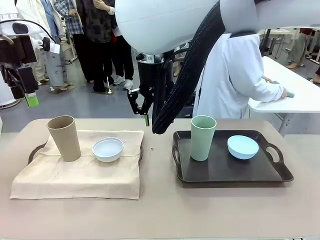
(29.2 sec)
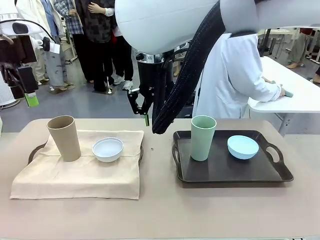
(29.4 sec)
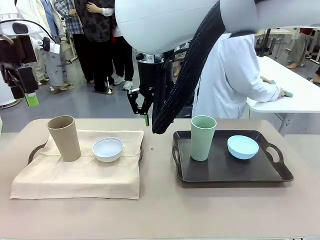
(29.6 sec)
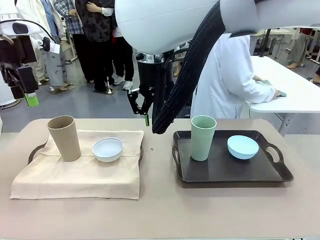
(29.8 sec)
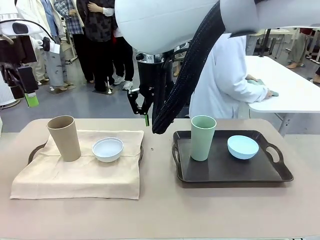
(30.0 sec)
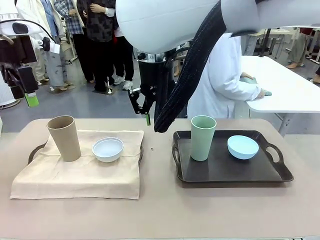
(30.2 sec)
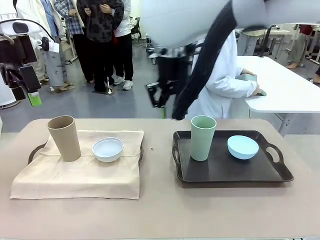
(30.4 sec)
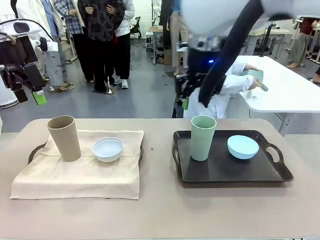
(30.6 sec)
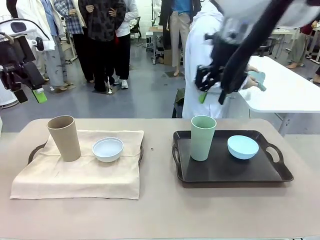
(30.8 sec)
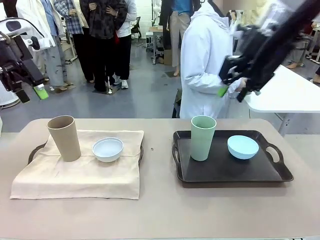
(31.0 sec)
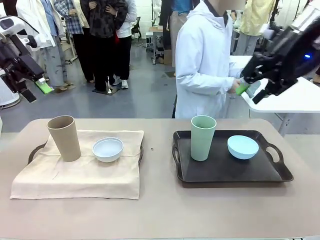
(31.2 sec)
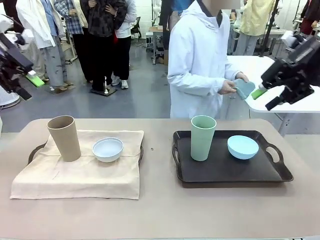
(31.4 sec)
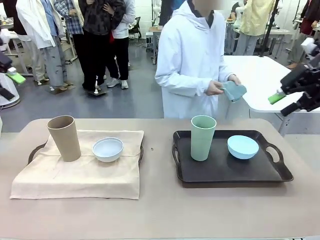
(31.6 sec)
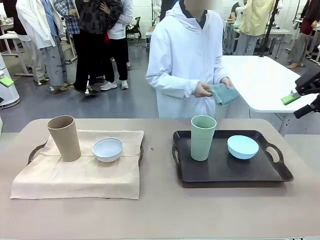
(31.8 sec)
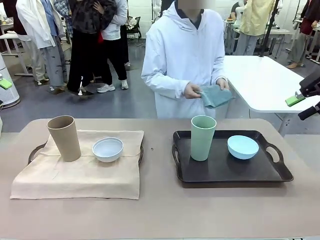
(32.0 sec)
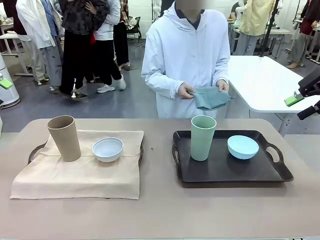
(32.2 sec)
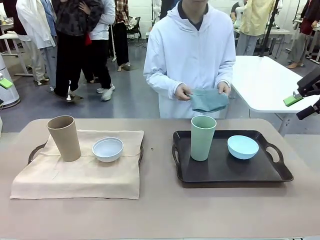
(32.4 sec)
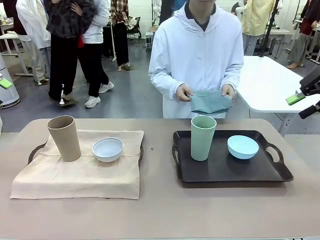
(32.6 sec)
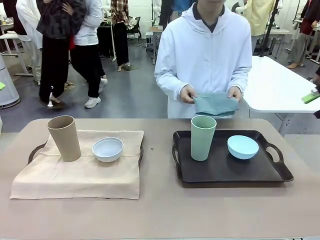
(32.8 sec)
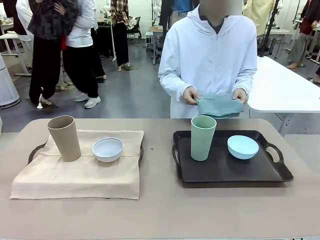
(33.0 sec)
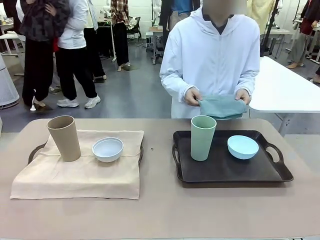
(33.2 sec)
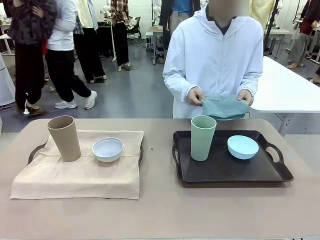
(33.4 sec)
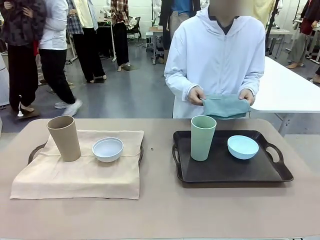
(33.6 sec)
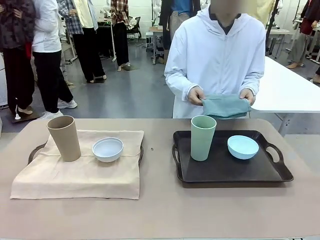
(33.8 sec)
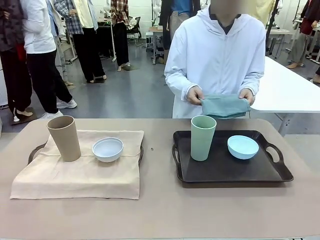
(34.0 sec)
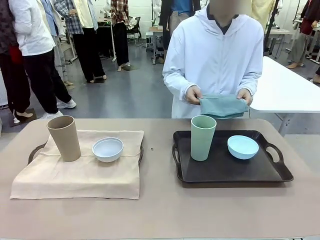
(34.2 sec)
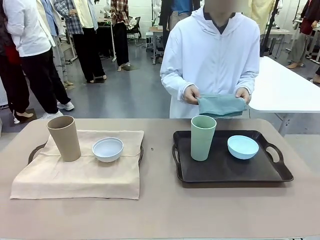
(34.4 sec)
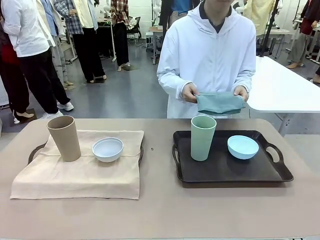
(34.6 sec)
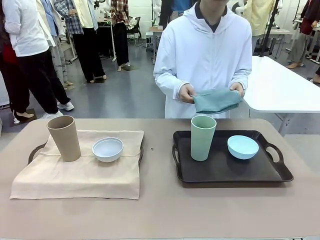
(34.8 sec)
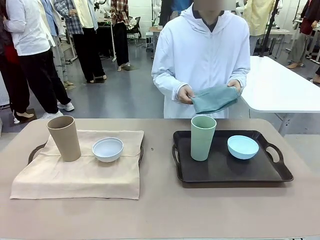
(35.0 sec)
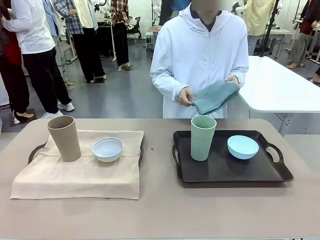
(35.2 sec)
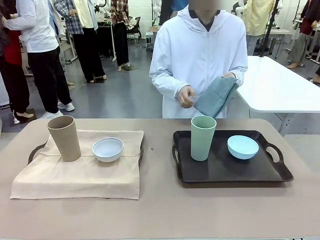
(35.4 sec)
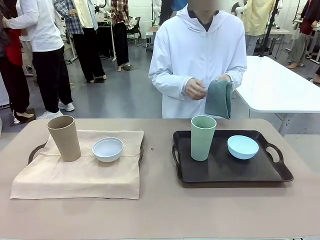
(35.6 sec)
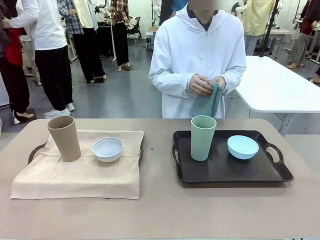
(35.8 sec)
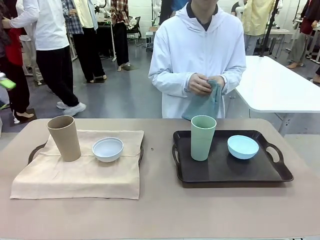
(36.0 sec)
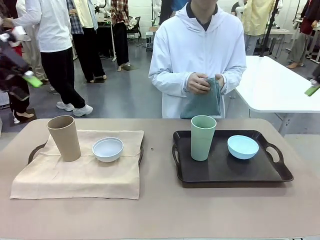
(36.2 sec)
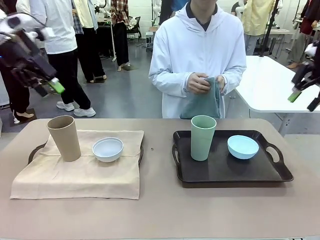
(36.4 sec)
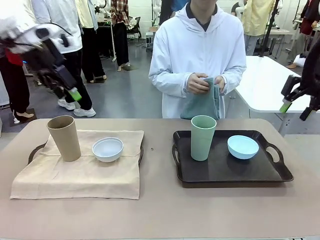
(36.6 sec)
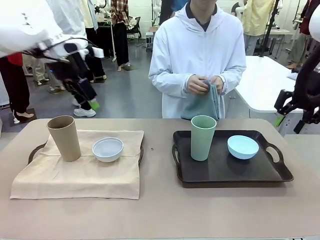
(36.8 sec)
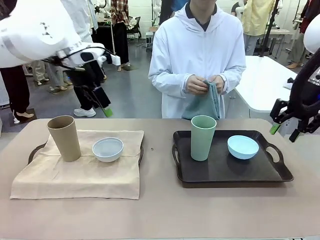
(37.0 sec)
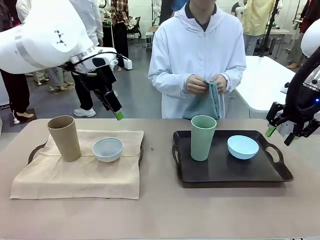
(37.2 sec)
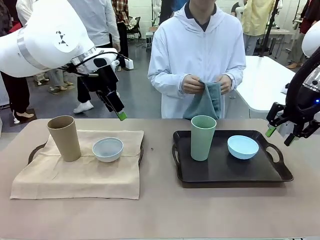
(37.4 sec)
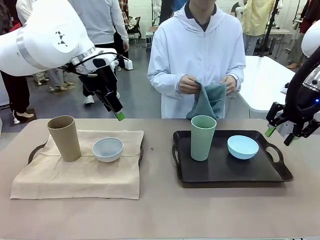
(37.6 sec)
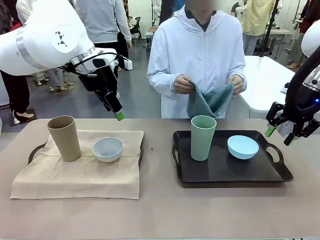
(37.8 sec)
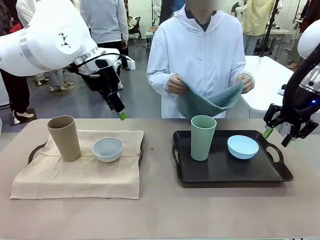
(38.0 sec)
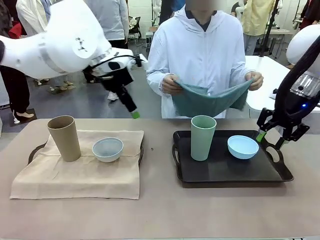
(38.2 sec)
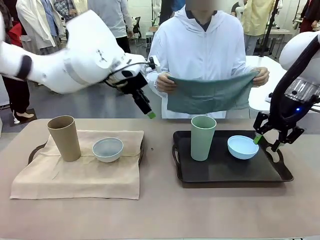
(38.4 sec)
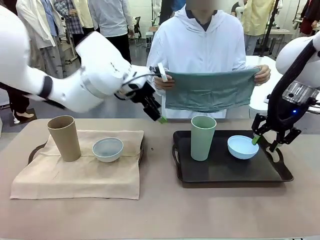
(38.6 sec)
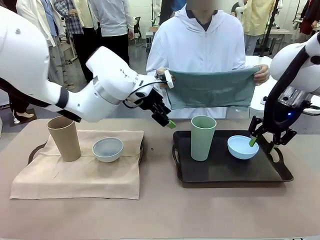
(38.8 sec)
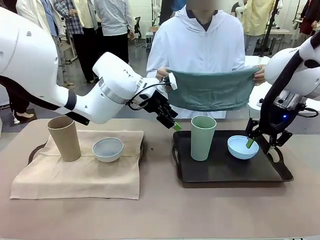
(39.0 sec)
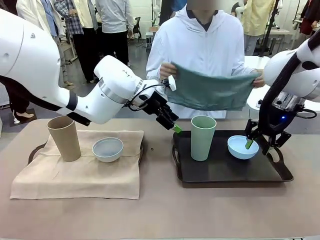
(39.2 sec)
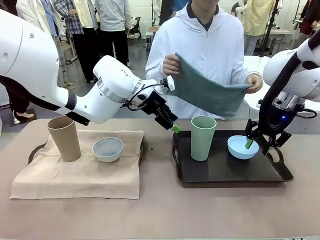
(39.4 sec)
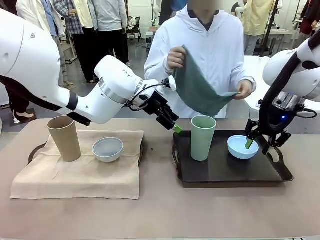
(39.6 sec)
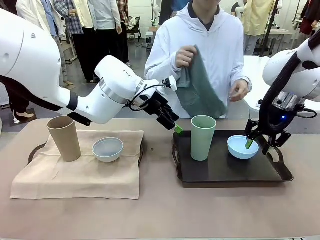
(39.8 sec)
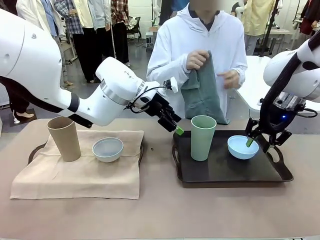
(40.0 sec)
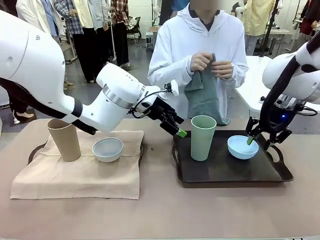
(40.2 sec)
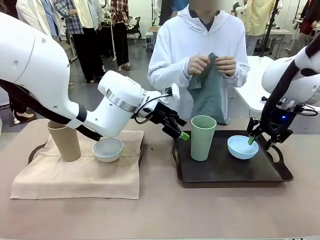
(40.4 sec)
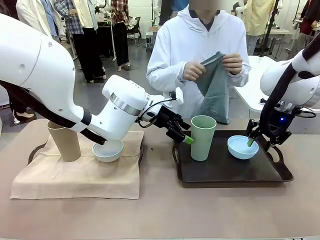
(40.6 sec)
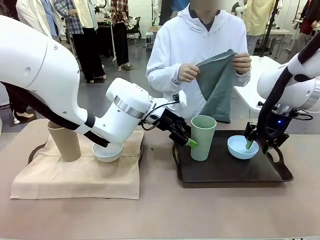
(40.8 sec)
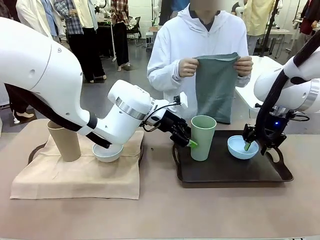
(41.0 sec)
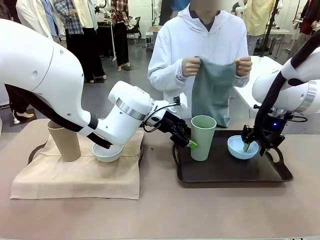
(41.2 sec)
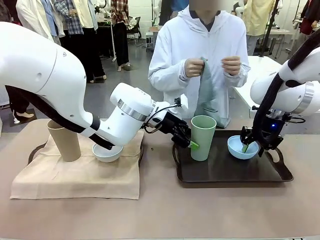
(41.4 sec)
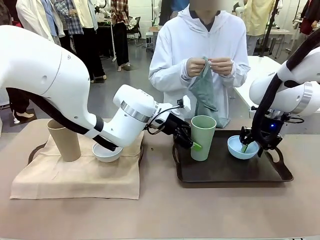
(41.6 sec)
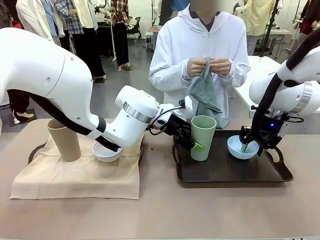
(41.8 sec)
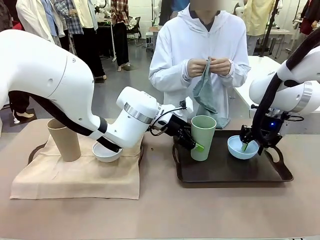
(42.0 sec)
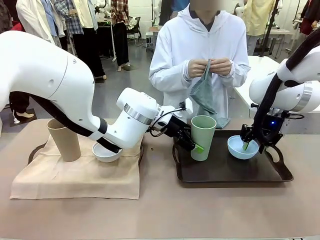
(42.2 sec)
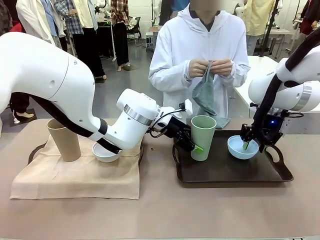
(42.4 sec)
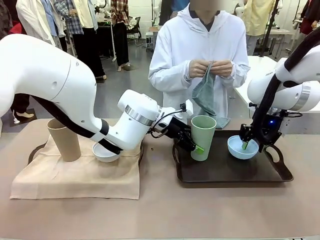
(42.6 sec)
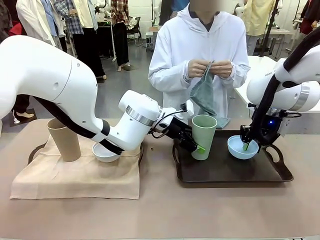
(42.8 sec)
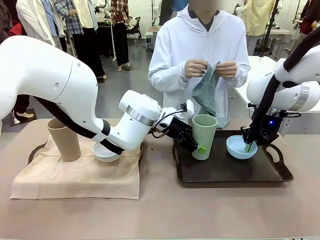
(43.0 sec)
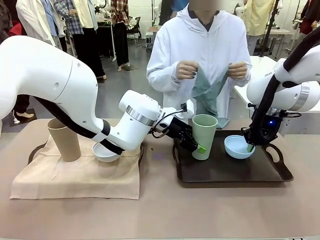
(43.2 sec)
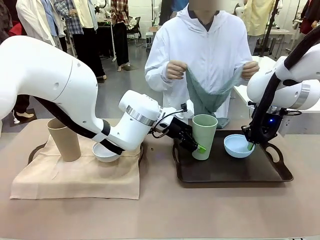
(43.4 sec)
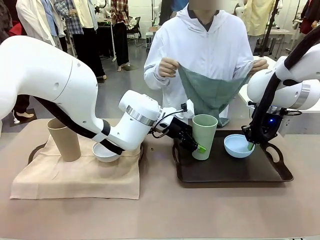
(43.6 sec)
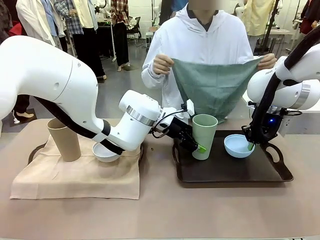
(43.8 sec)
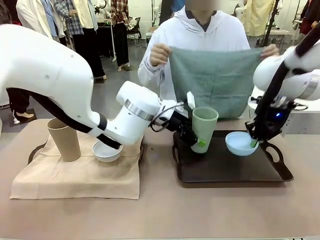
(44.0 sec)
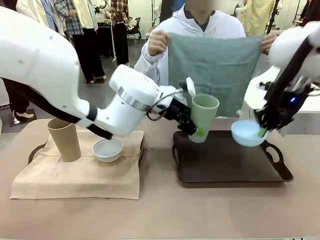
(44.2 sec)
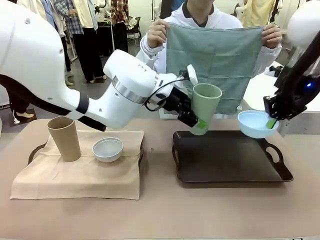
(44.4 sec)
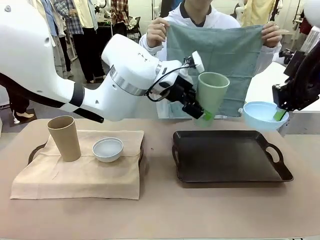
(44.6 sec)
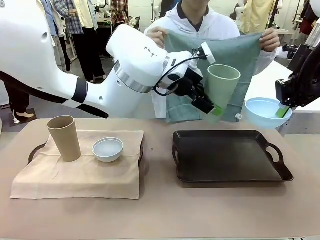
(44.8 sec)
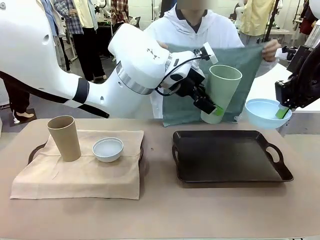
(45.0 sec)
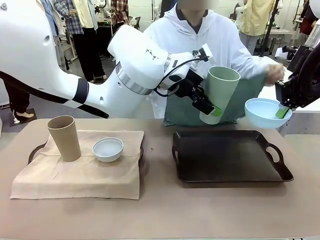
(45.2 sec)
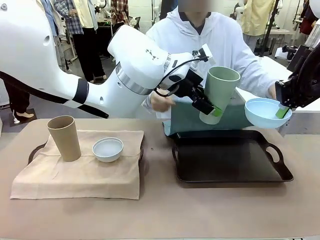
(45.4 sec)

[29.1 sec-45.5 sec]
Robot: Pick up the Picnic Bowl and Reusable plastic cup from the Handle tray in front of the human's position and hold them in the air.

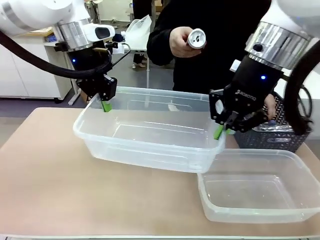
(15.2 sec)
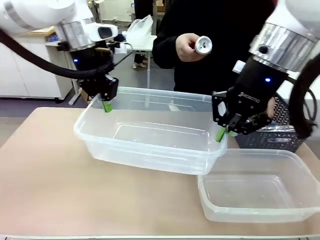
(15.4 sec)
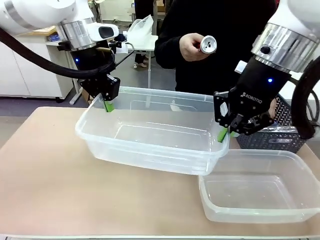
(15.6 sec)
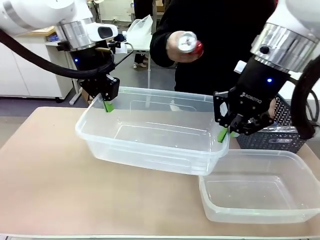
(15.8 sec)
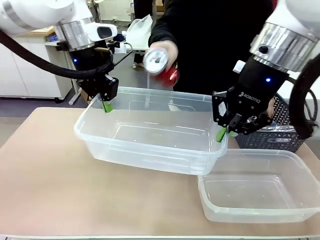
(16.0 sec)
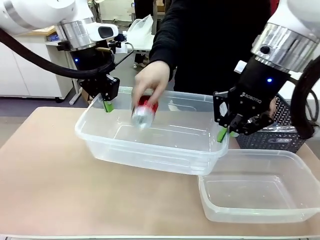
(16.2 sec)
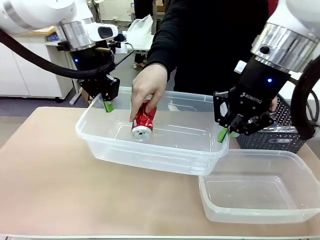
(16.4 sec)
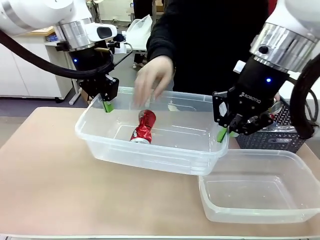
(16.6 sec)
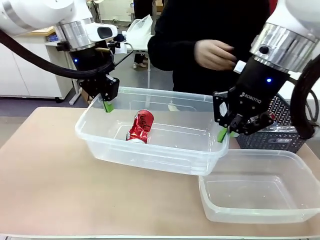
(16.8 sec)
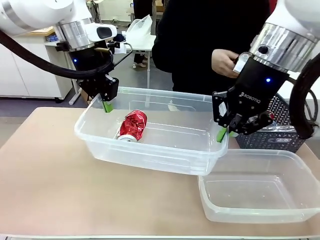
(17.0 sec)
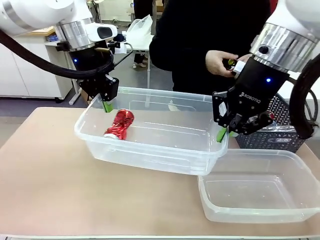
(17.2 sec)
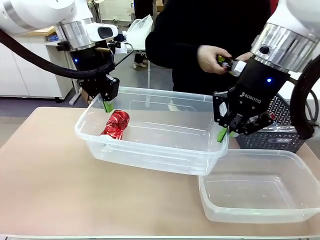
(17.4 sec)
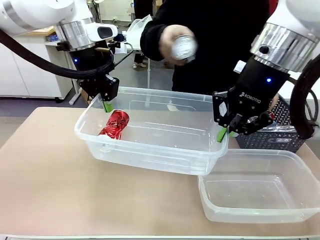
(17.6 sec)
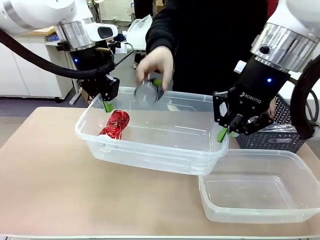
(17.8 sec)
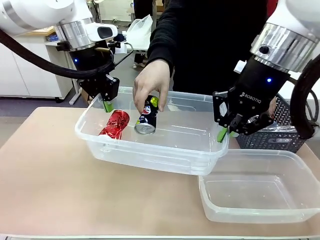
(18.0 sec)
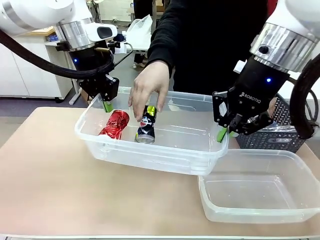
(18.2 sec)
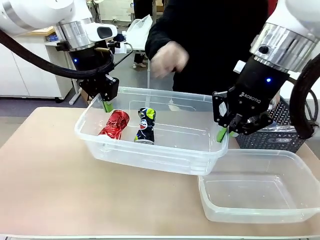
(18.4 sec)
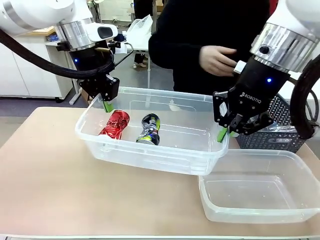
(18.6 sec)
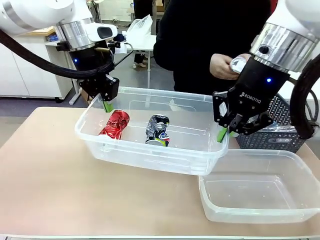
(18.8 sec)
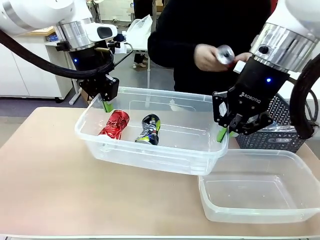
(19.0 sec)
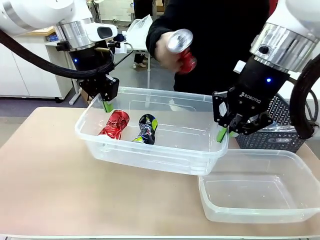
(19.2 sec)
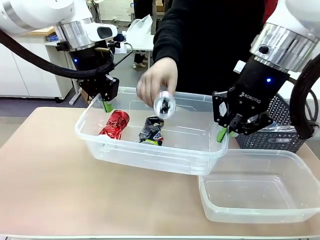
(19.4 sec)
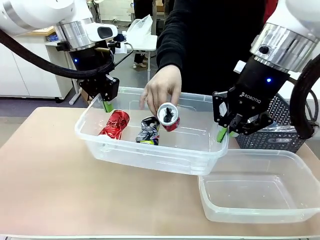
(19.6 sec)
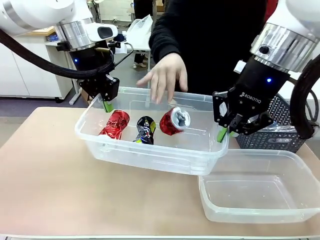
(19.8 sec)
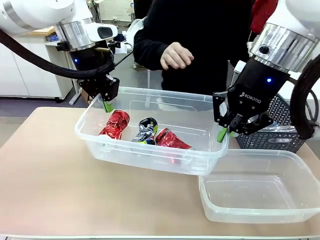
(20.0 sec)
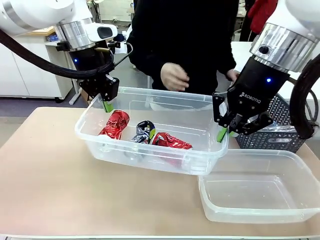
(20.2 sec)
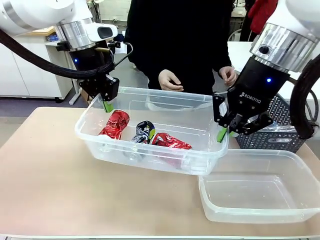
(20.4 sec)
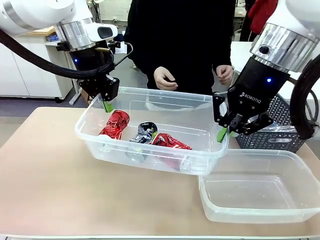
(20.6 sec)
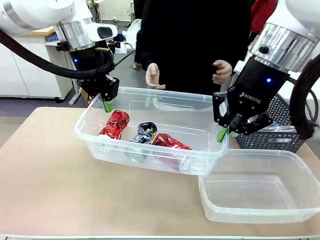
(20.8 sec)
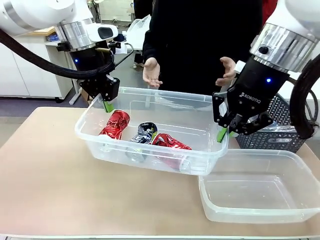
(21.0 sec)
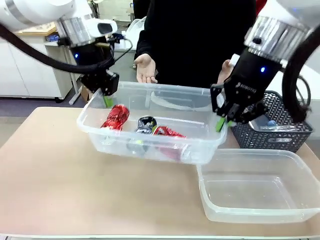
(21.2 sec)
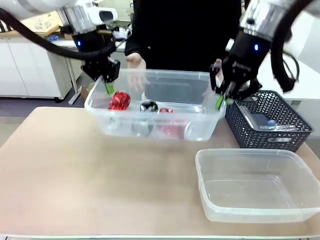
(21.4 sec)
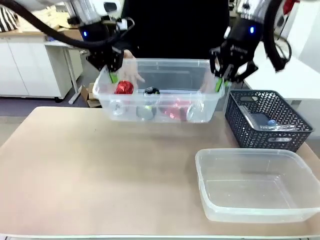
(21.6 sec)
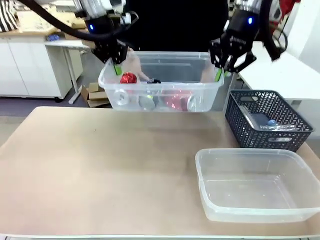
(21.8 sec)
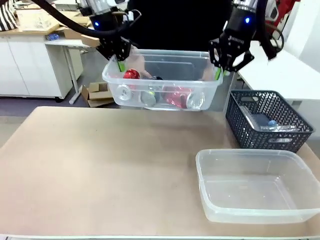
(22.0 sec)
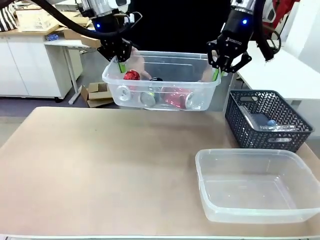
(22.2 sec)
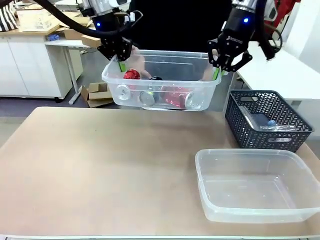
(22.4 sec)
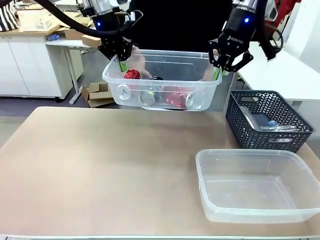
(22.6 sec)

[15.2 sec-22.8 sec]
Robot: Offer the picked Organizing box to the human.
